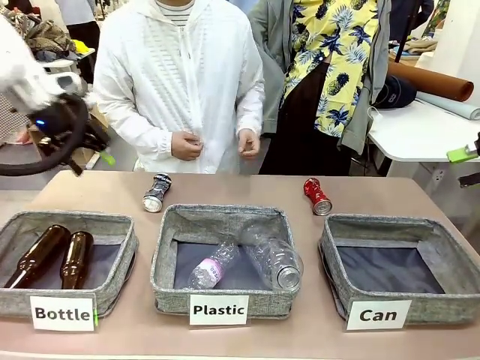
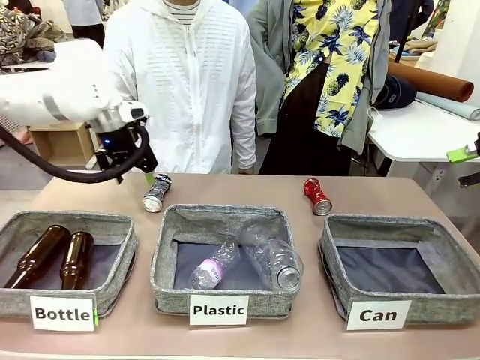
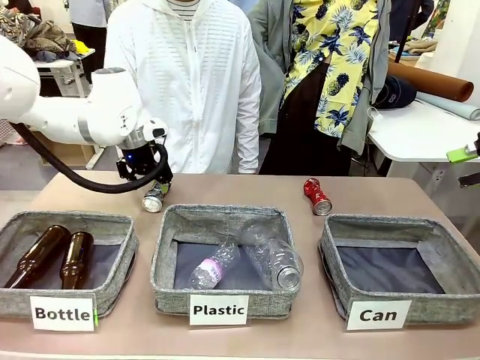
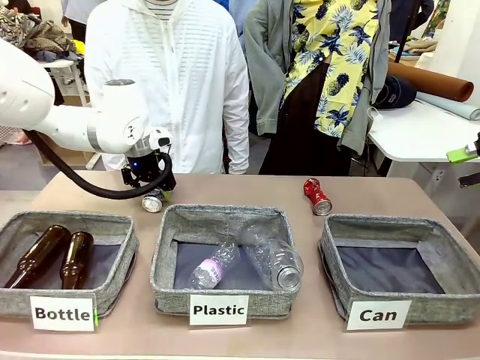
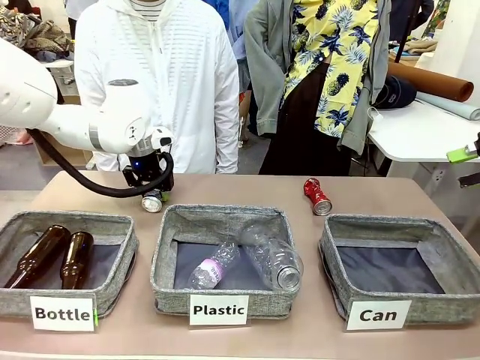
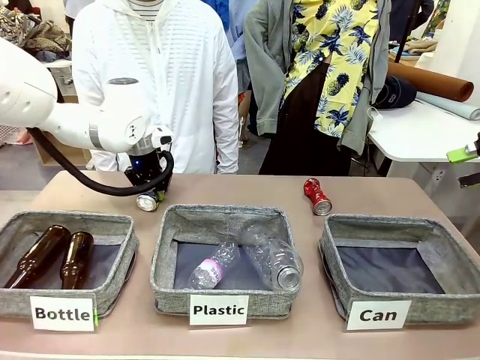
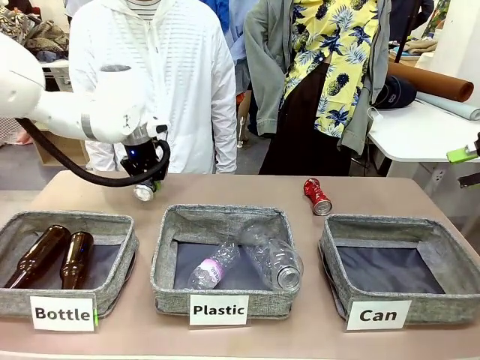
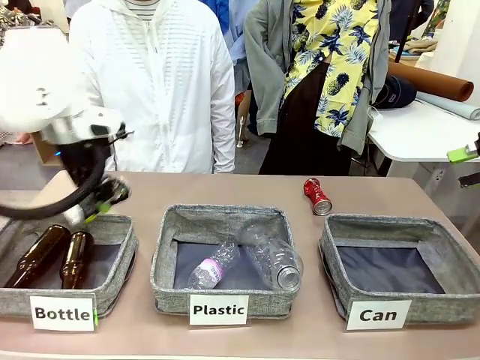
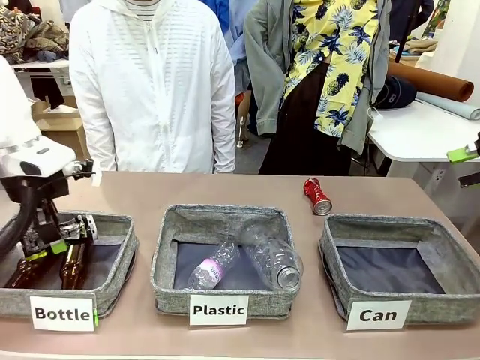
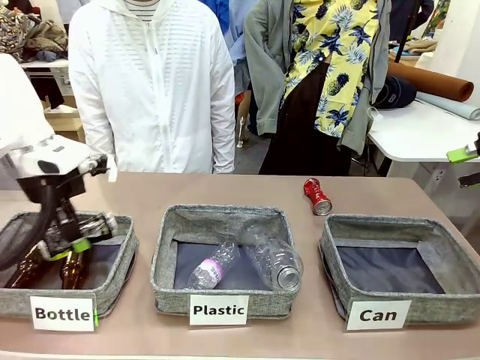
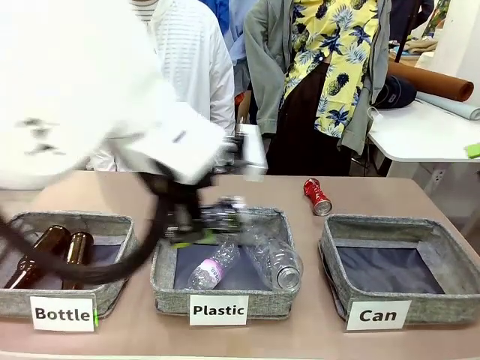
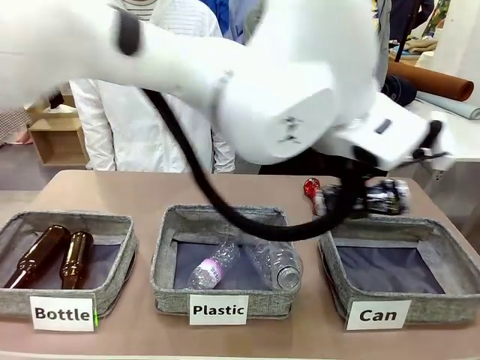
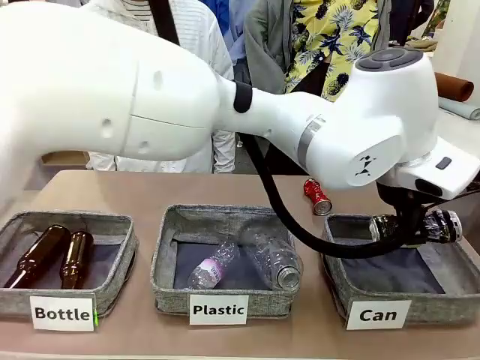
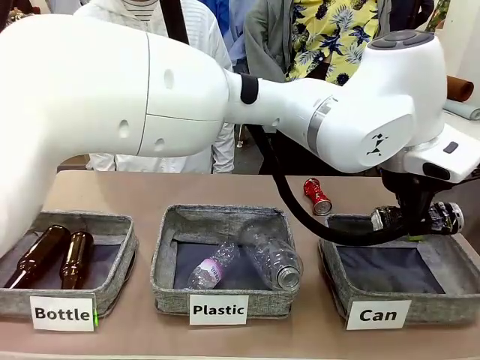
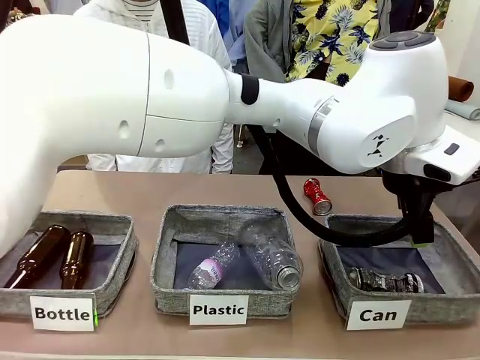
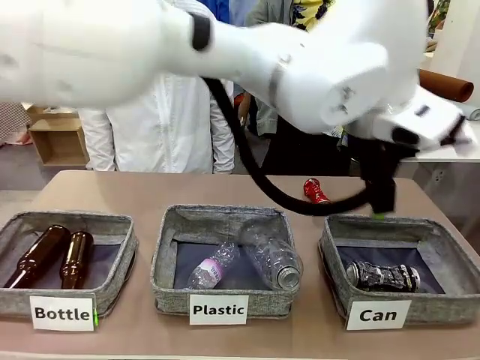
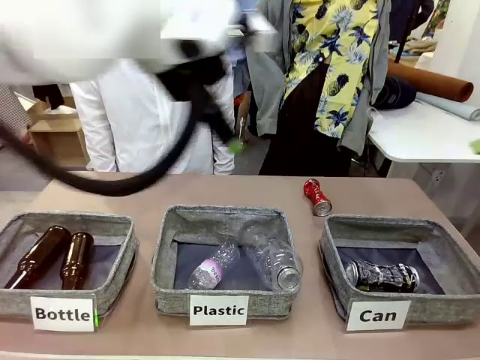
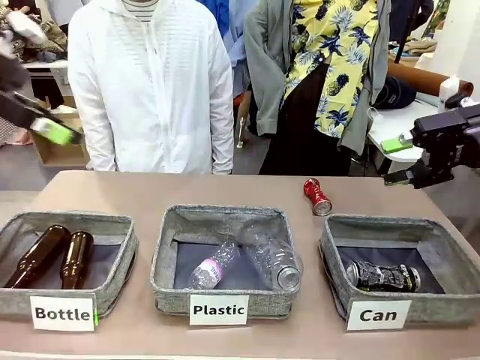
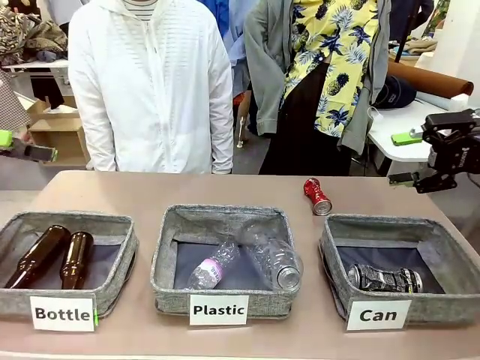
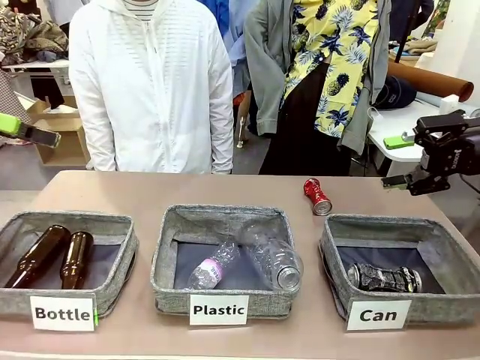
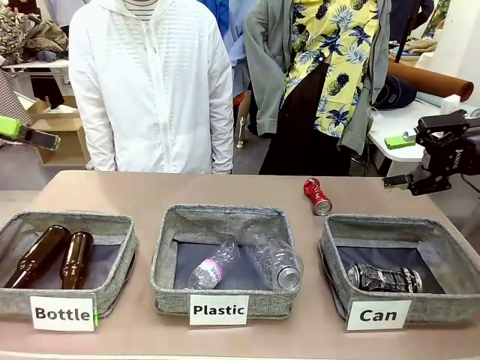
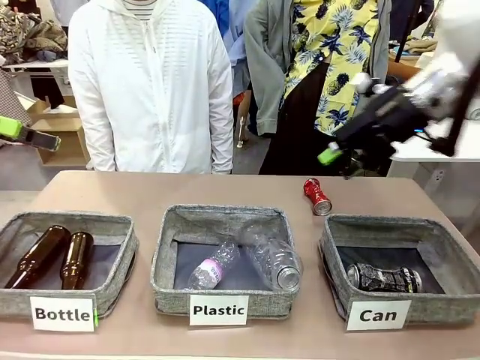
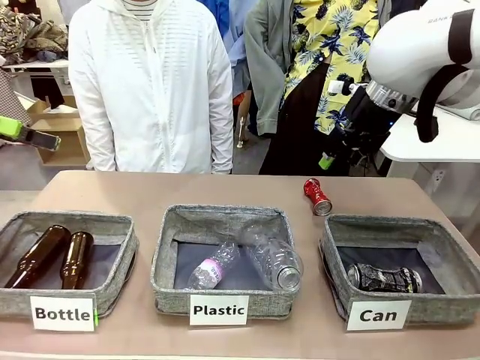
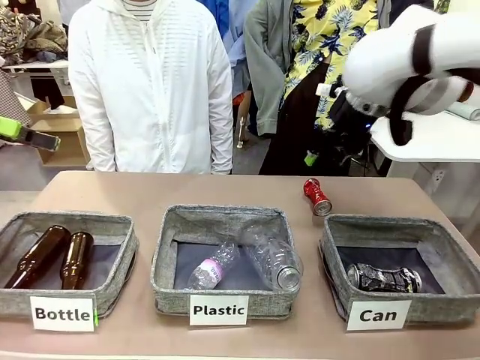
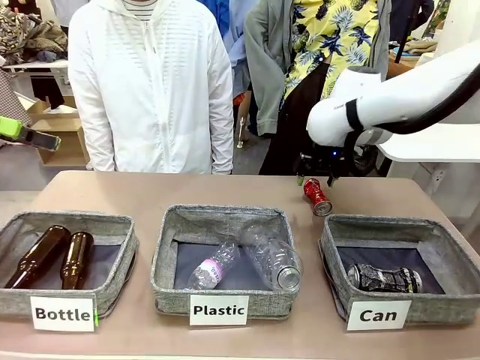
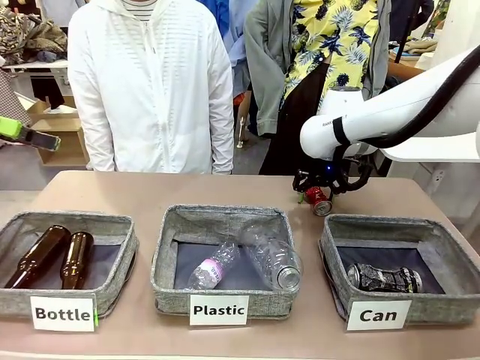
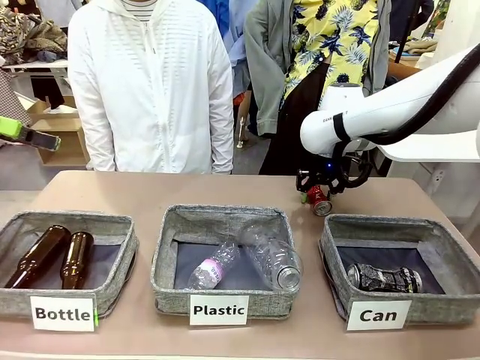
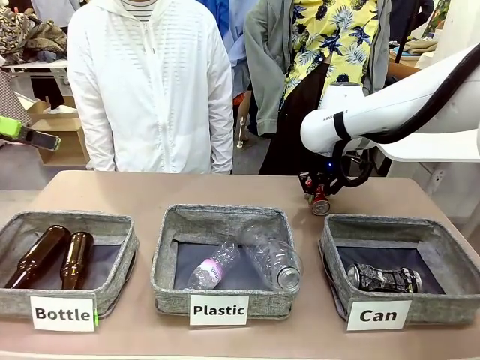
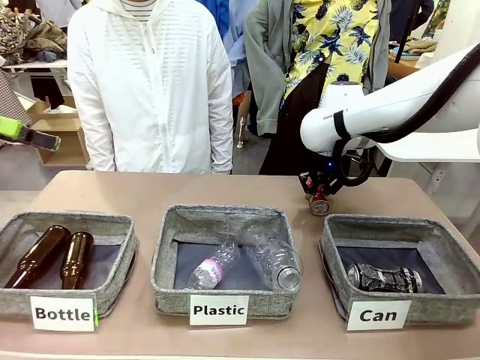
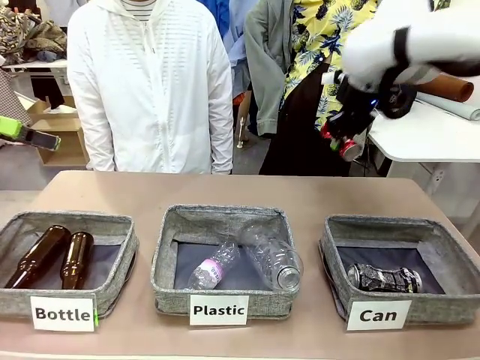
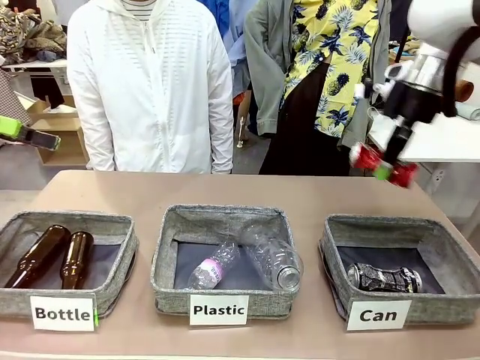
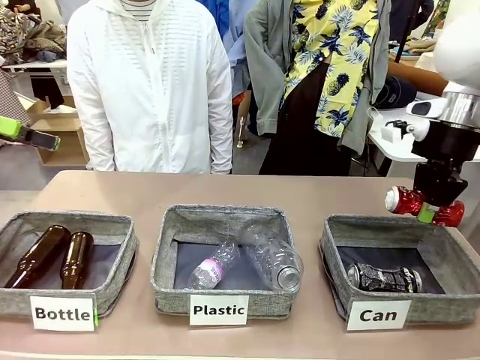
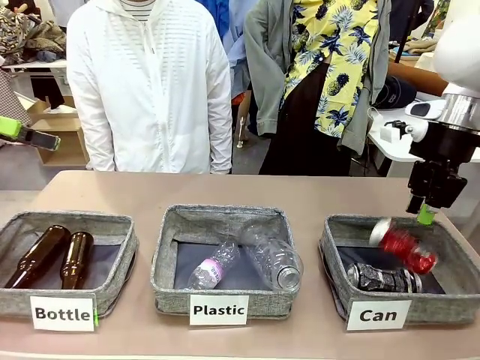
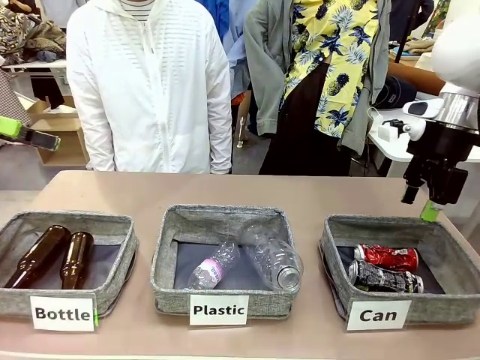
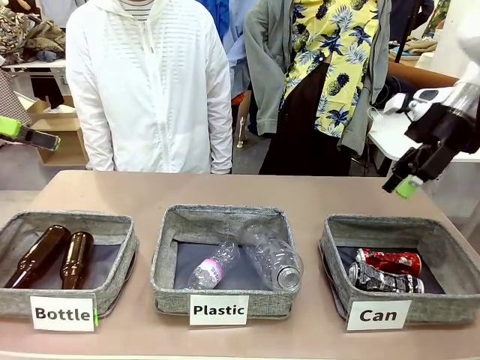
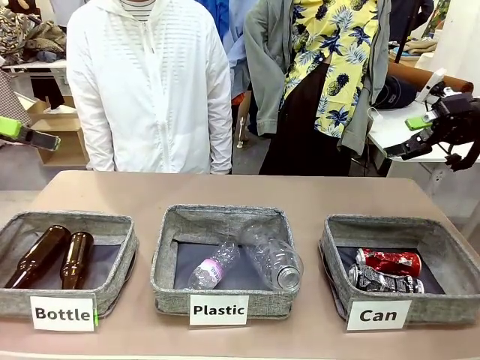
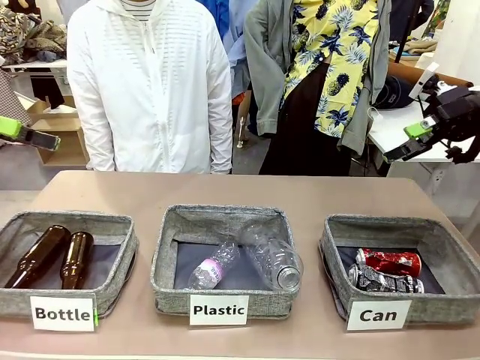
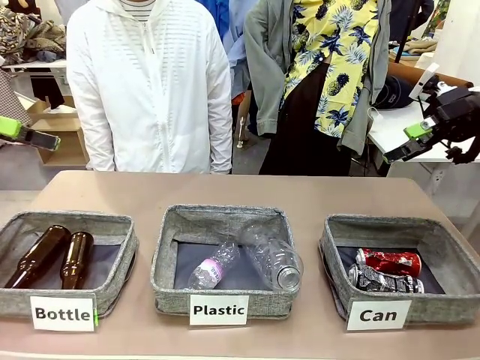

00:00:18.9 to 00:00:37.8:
Task: Sort the can waste into the basket.
Robot: Pick up the can waste from the table and place it in the right Fabric basket.

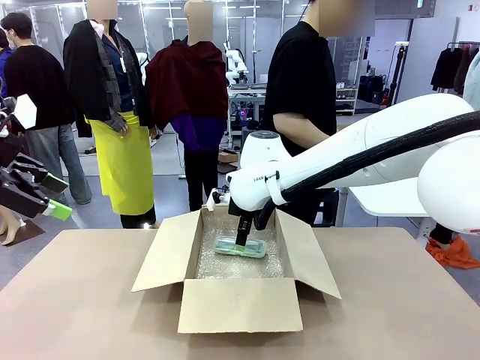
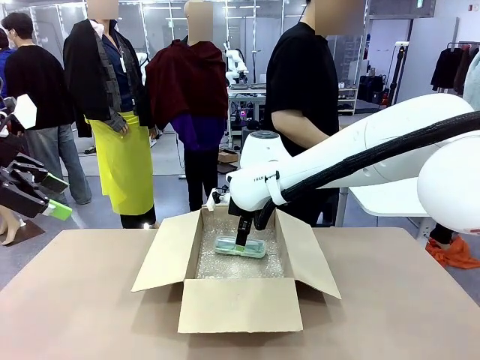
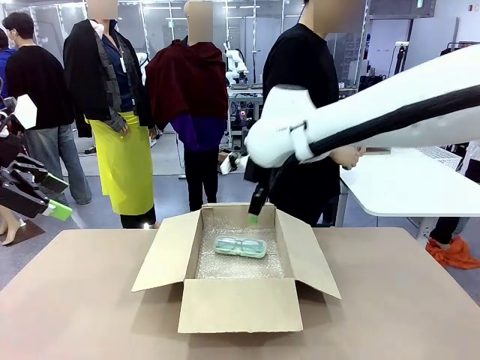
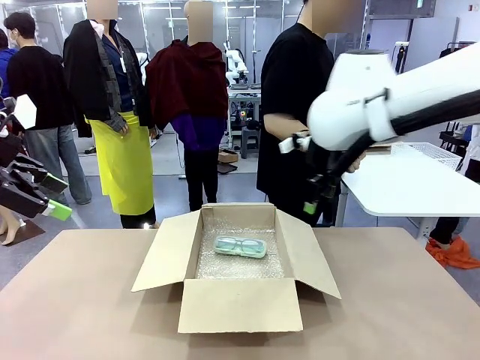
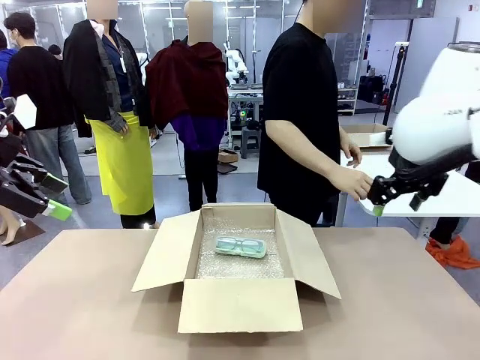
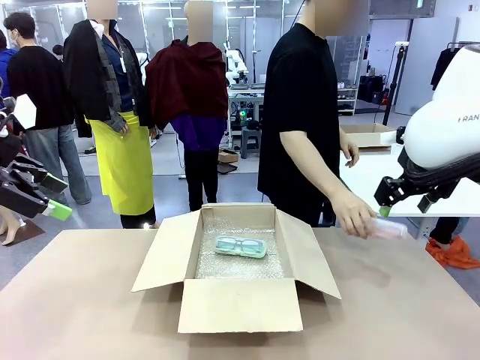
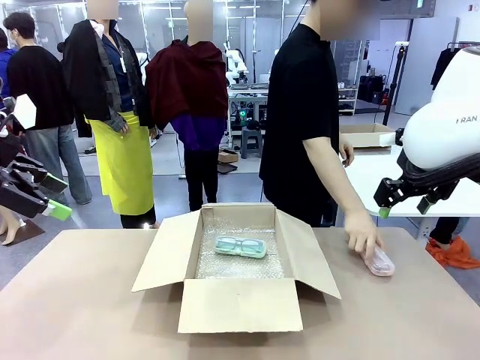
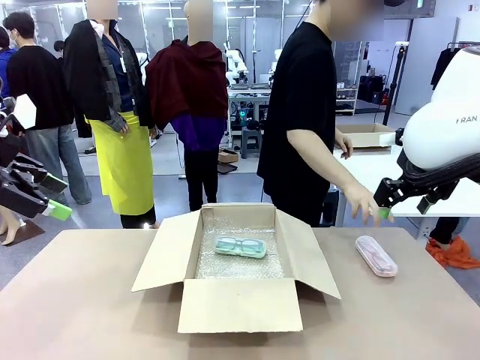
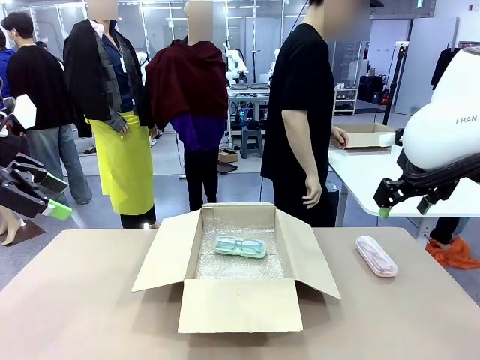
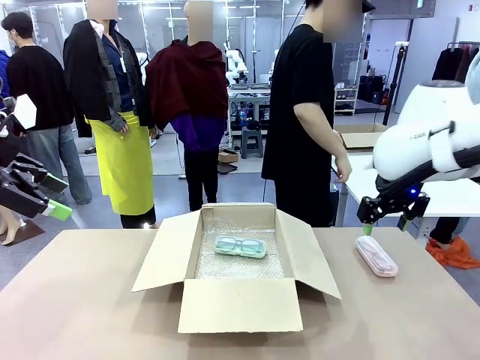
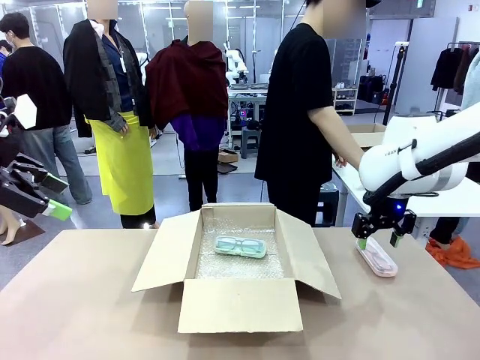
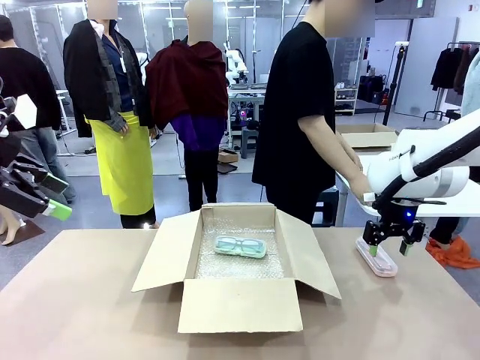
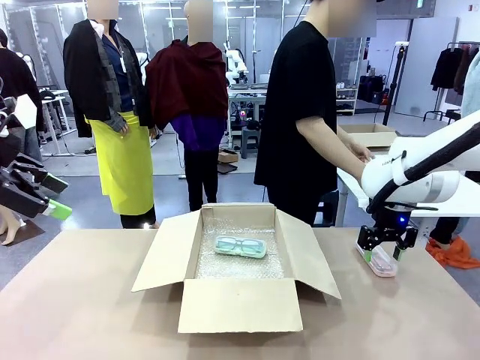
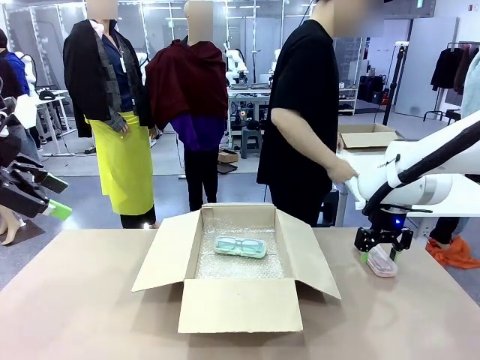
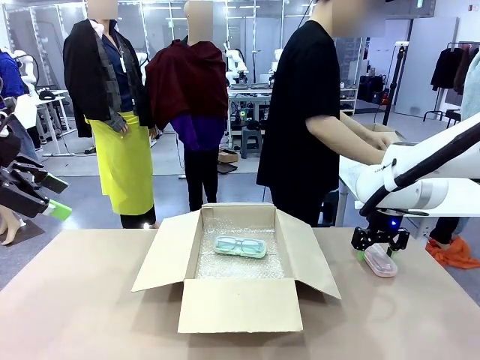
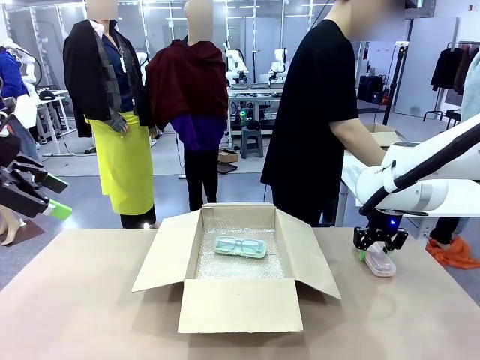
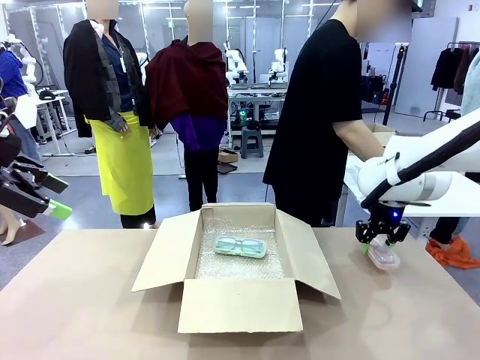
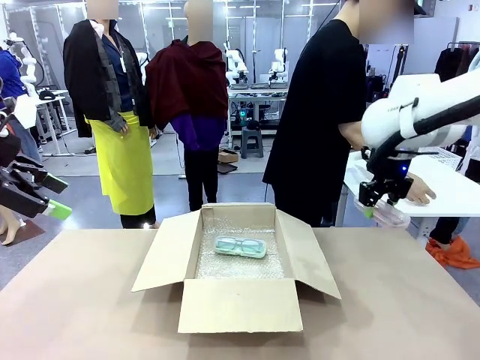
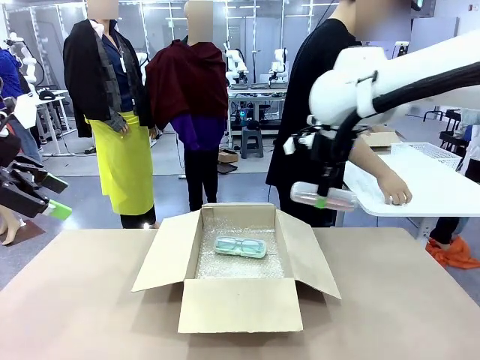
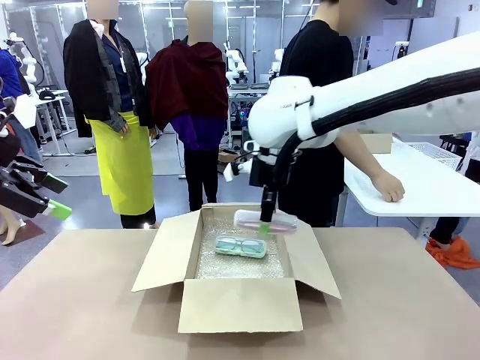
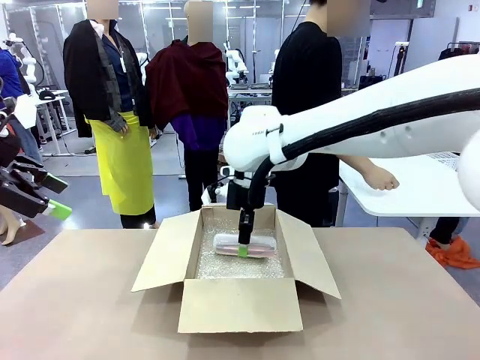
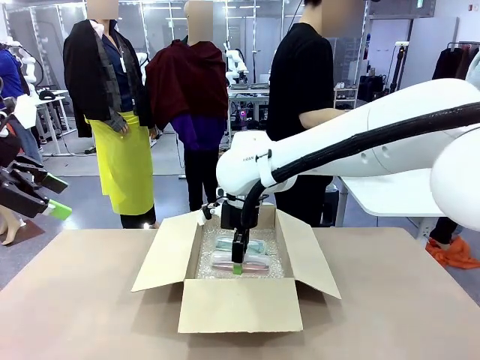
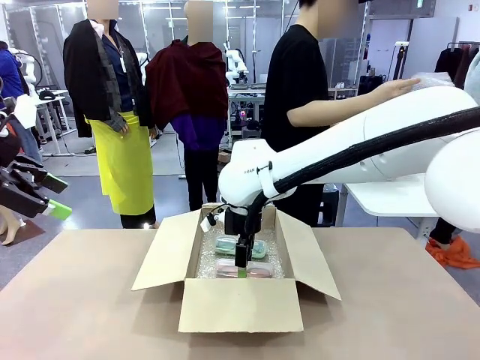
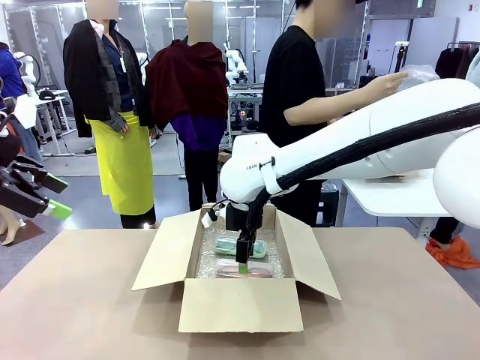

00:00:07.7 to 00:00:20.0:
Task: Pack the glasses set securely to prepare it for shipping.
Robot: Put the Glasses case from the right side of the table into the Package Box.
Person: Position the Glasses case on the left side of the robot's table.
